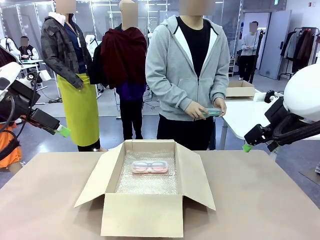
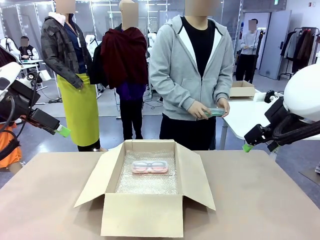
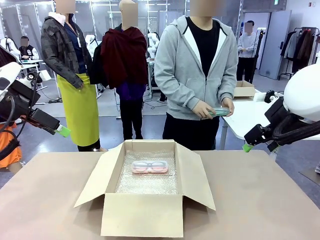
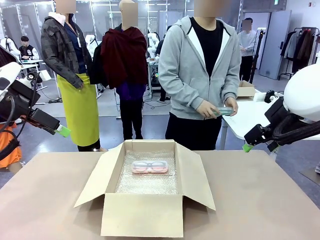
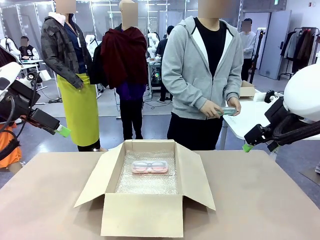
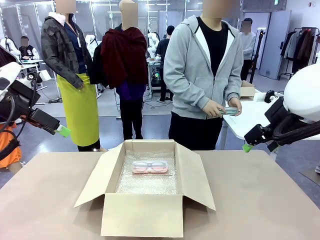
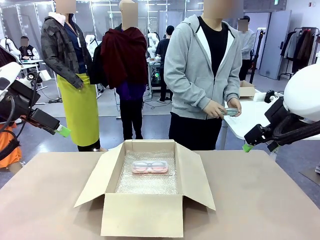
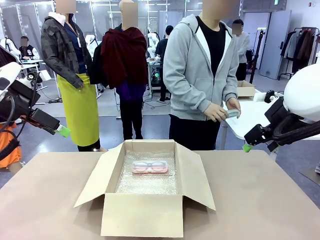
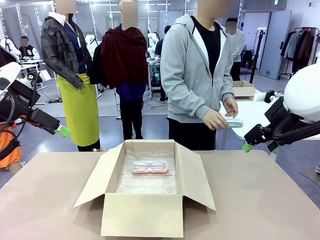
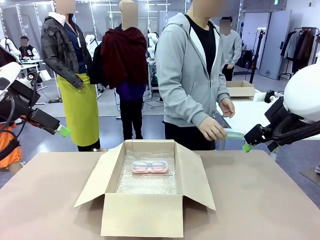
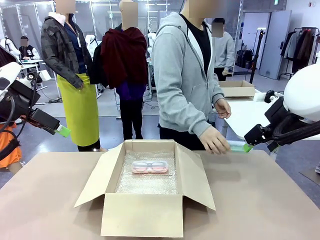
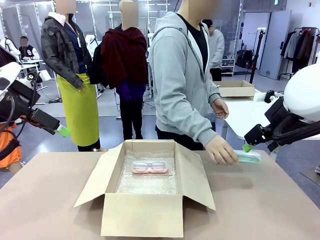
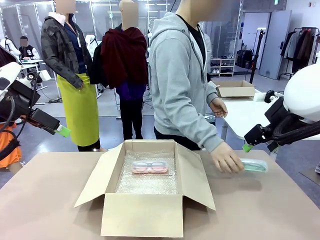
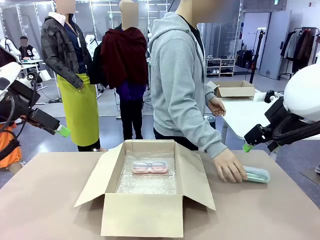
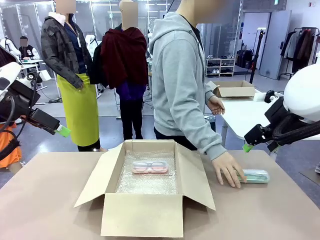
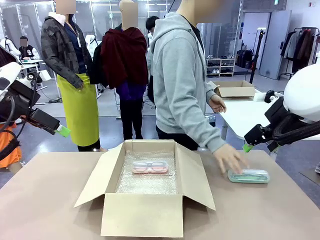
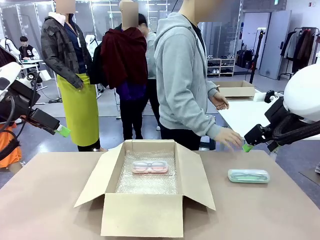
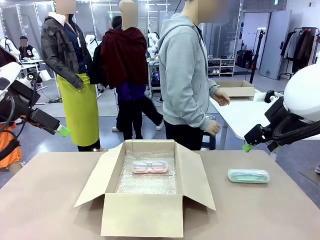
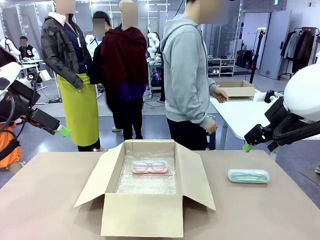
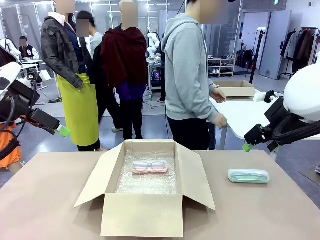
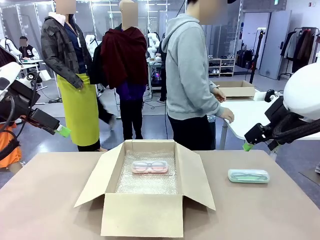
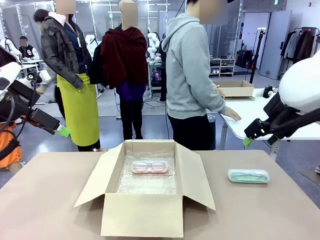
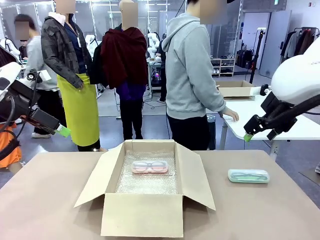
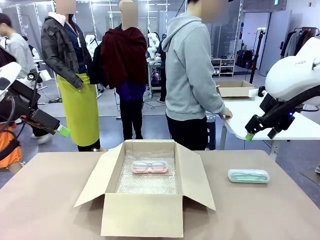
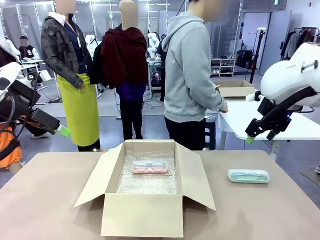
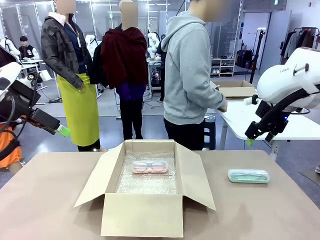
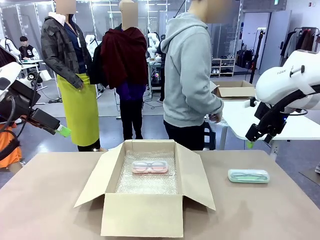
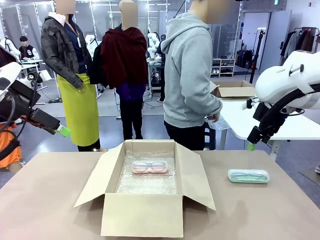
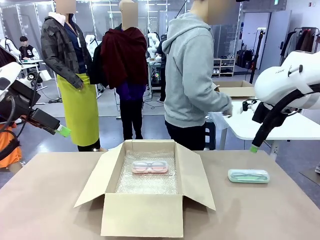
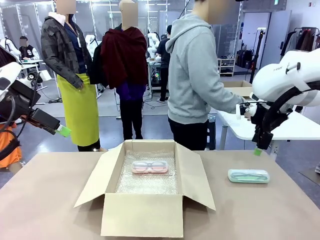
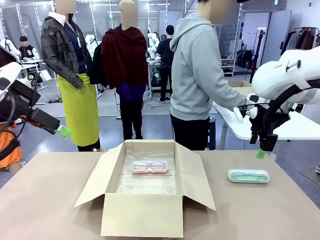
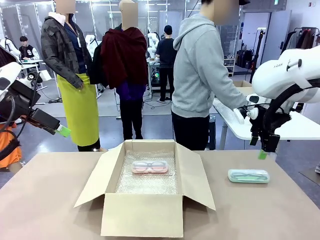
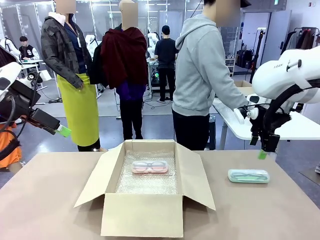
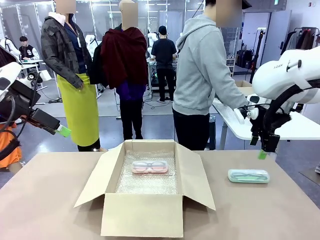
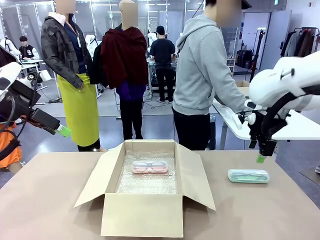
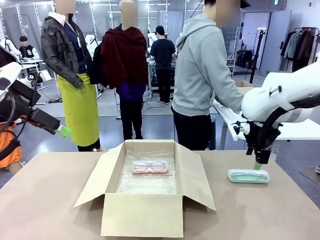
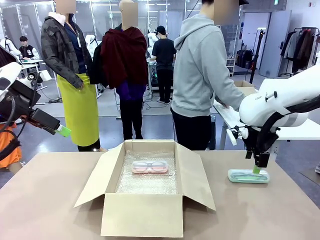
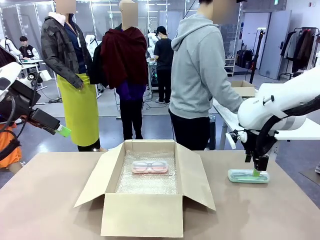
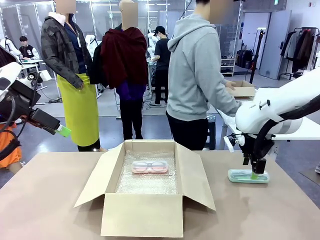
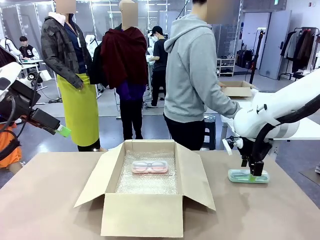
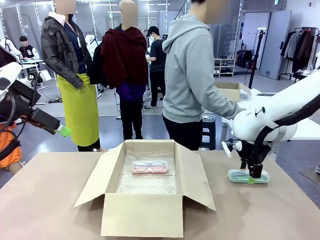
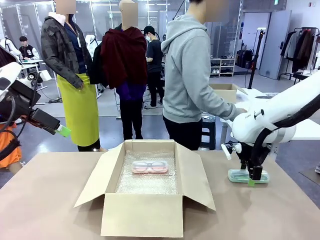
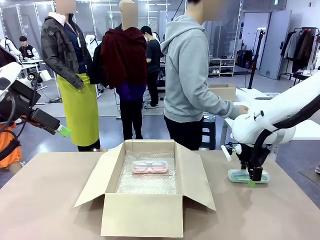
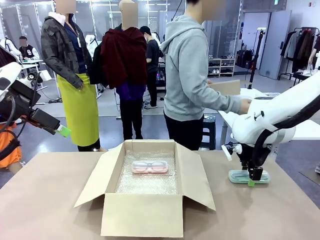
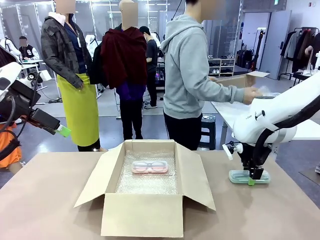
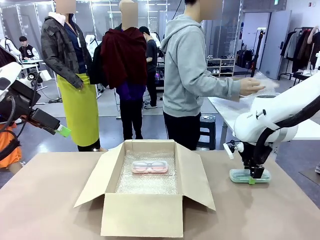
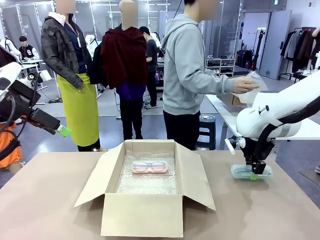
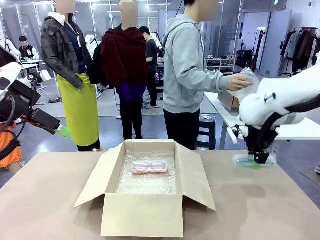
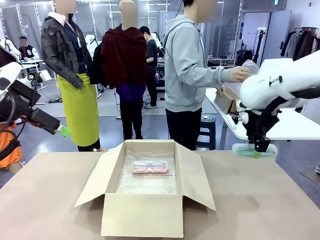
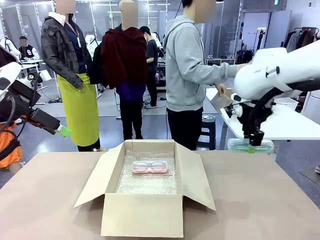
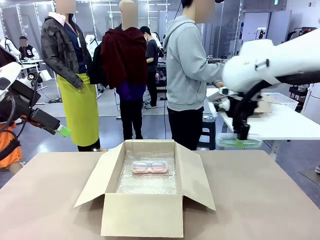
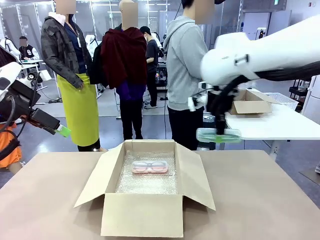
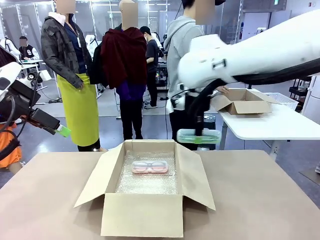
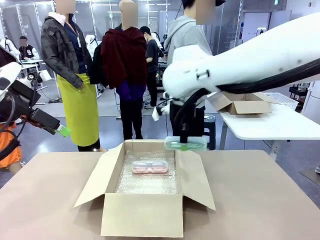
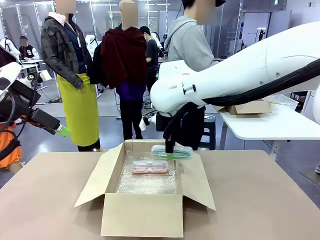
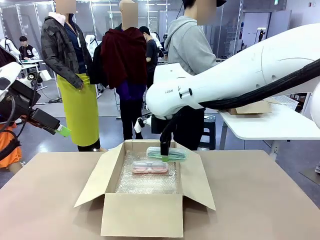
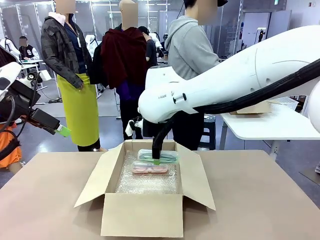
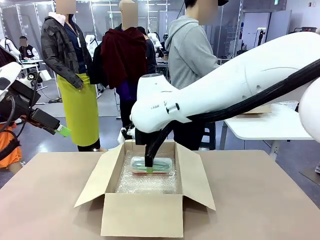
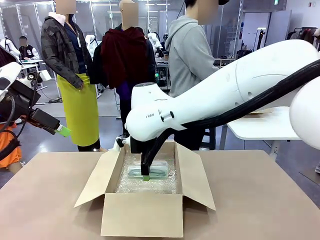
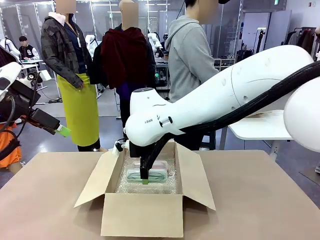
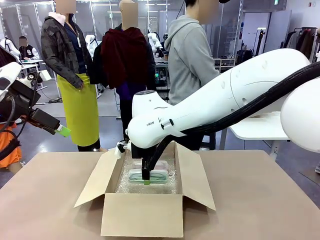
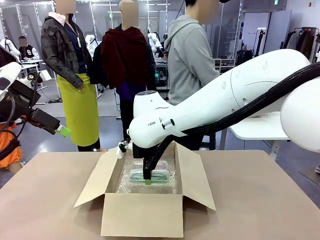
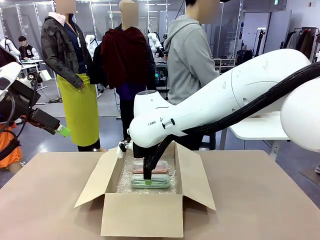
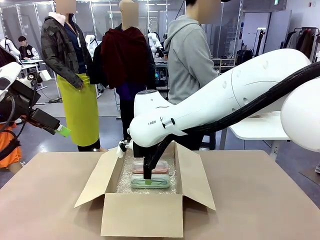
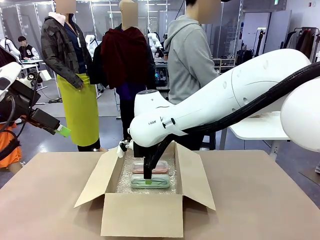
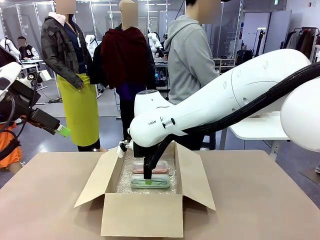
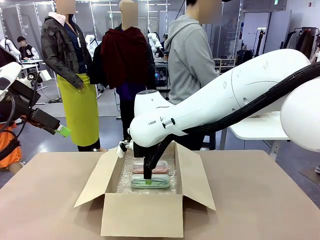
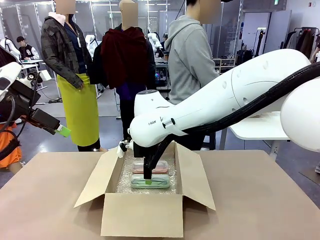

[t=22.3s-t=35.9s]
Task: Pack the glasses set securely to prepare it for shipping.
Robot: Put the Glasses case from the right side of the table into the Package Box.
